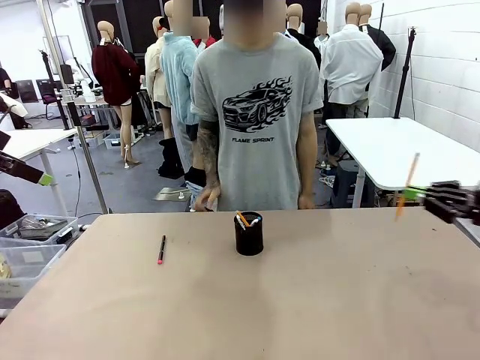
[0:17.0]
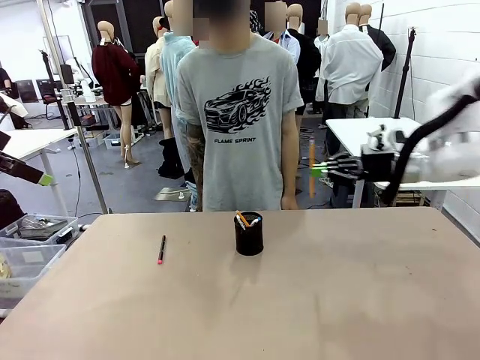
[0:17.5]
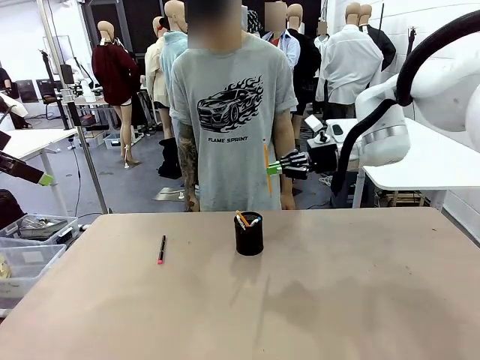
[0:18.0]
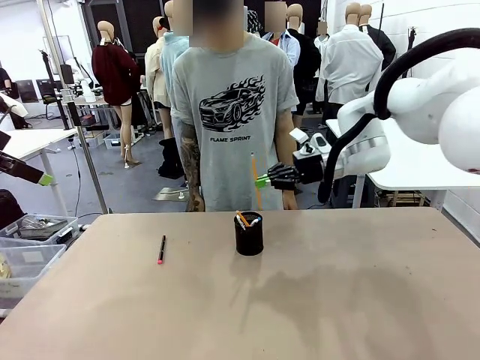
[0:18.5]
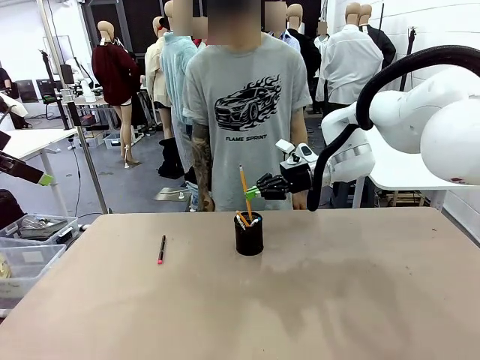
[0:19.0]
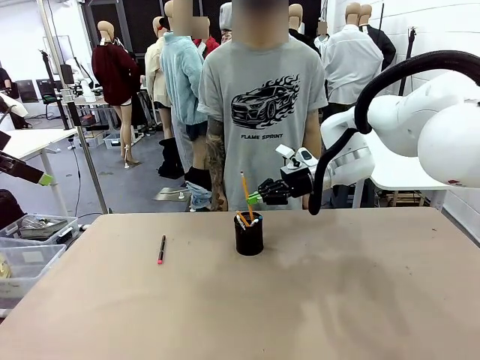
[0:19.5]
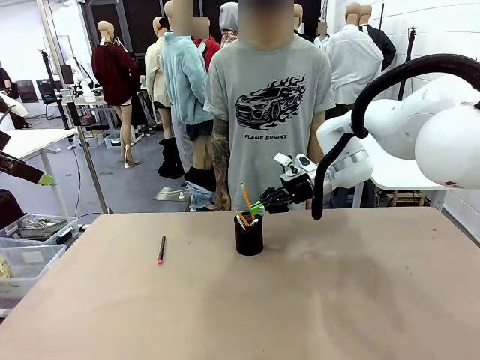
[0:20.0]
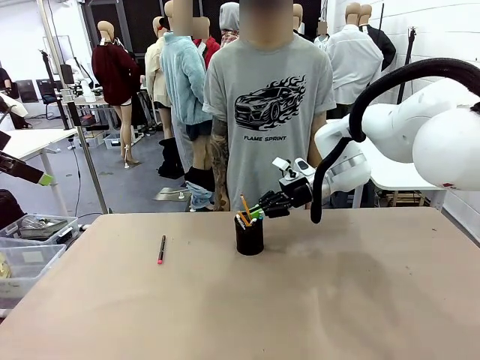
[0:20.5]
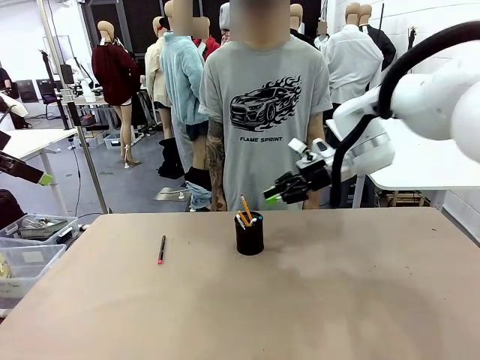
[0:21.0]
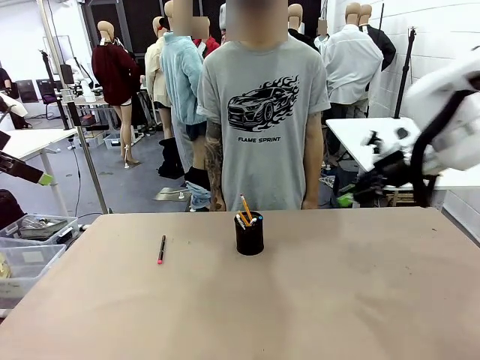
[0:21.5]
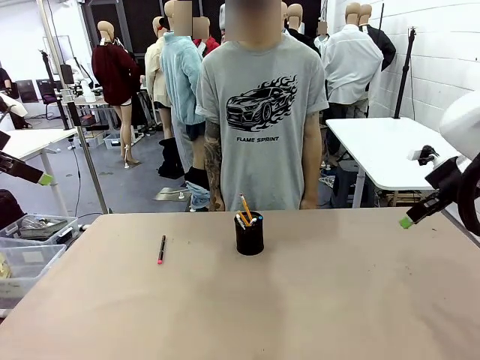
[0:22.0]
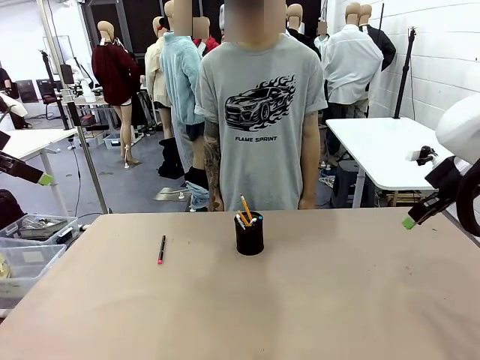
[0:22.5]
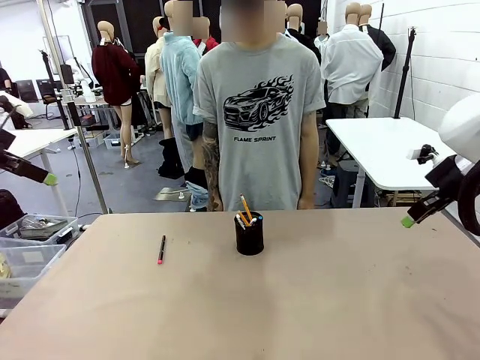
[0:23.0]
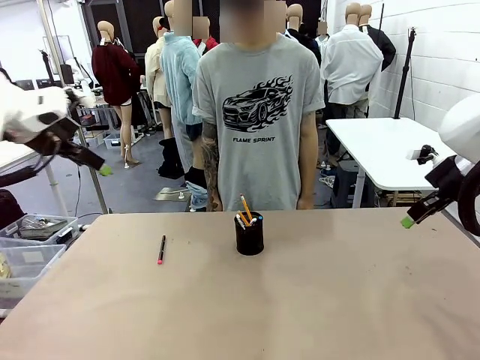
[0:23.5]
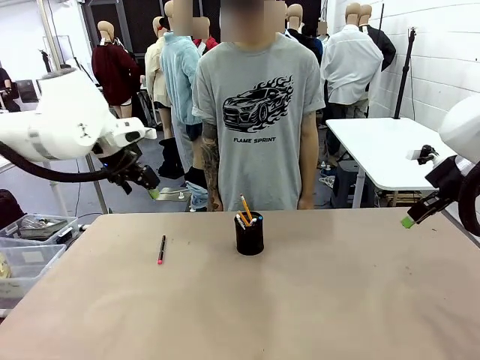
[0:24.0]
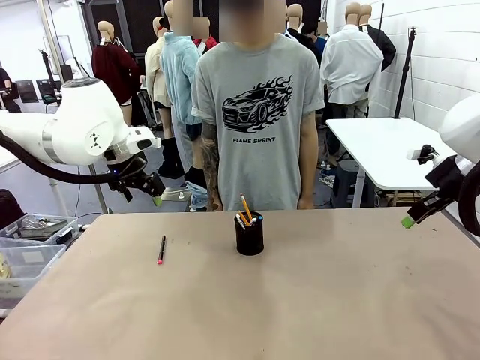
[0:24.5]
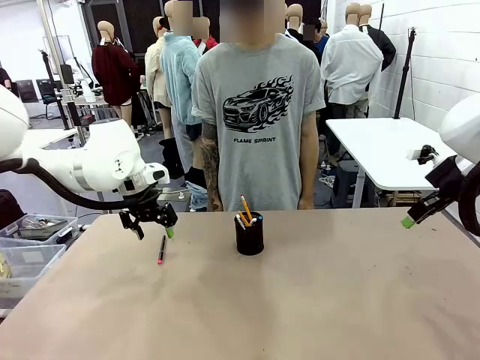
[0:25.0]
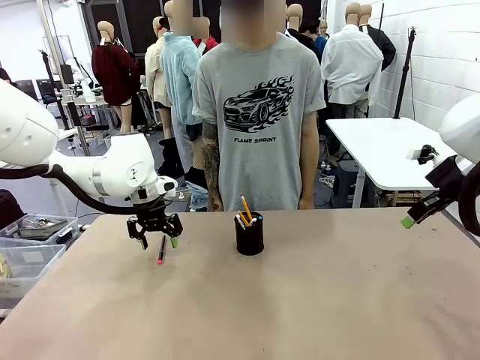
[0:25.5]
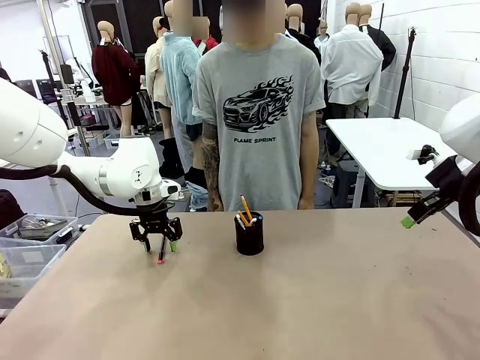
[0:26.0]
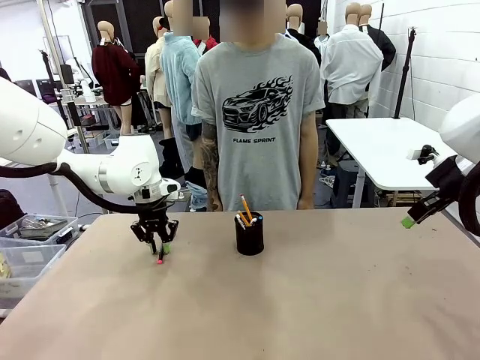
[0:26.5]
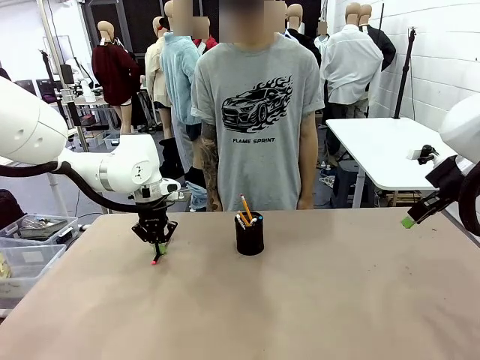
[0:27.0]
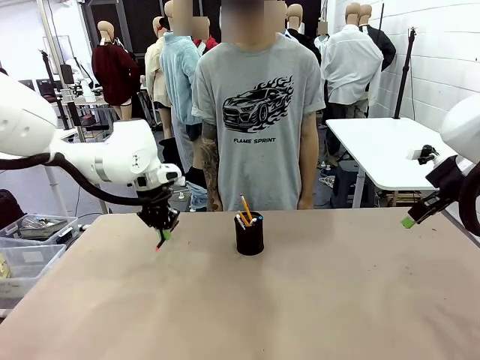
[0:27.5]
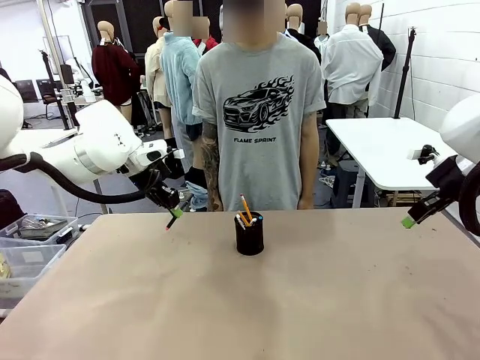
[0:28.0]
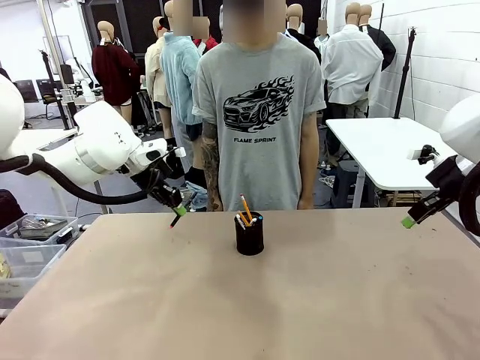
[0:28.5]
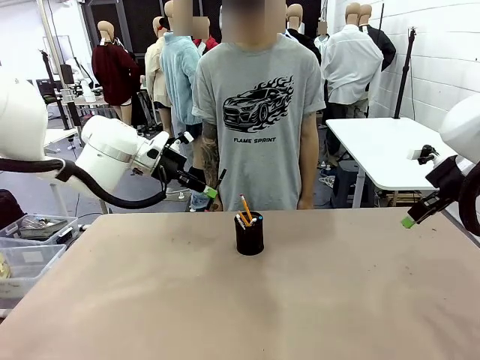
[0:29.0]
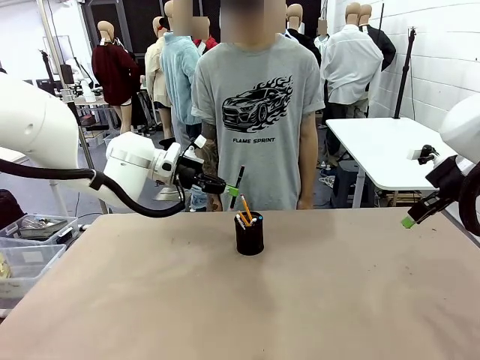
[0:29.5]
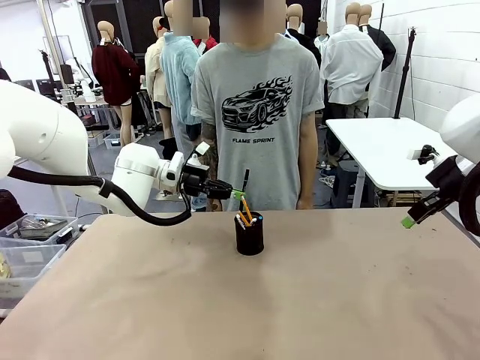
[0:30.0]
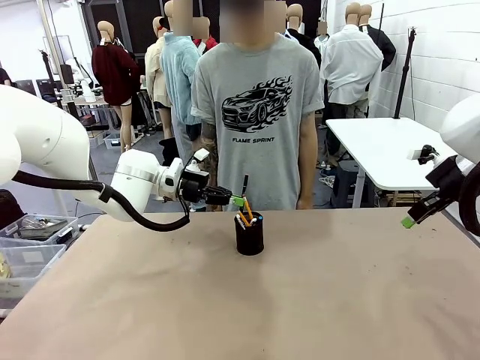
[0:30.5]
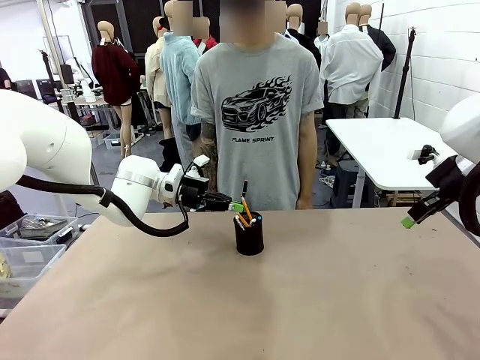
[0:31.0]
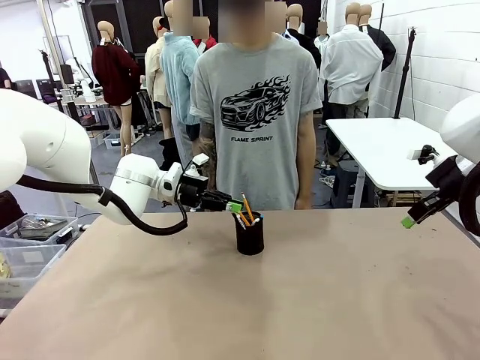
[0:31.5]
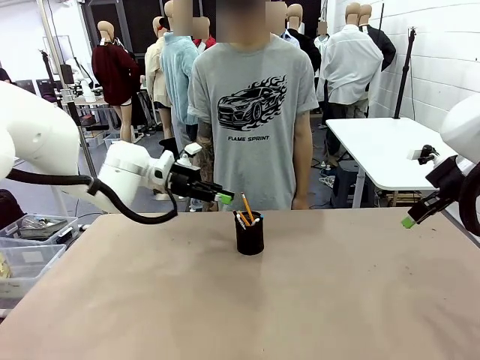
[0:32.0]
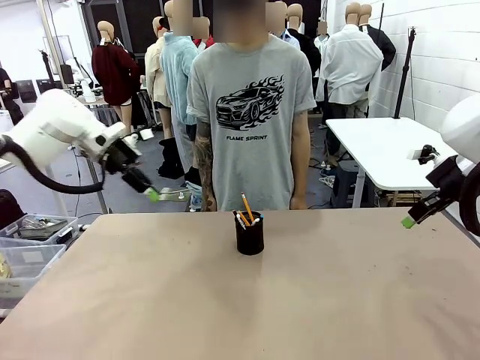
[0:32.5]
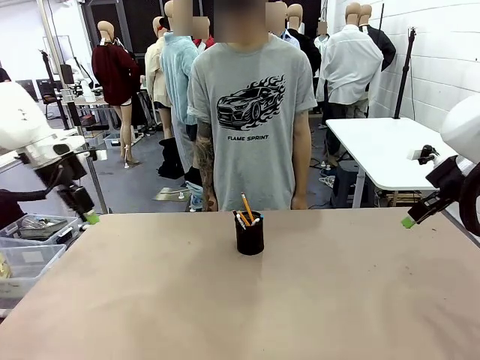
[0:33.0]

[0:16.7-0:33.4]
Task: Place the pens into the pen holder.
Robot: Pick up a writing instrument from the table and place it into the Pen holder.
Person: Place all writing instrument into the Pen holder.
